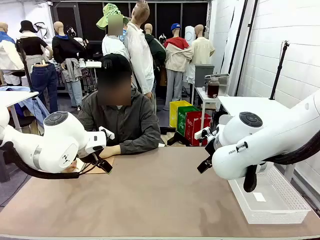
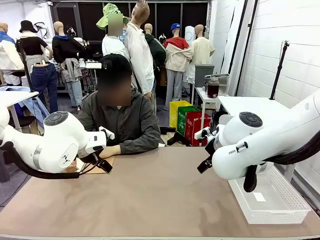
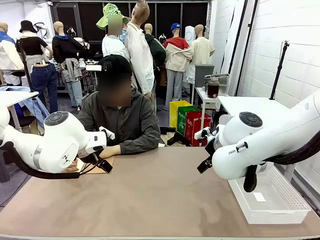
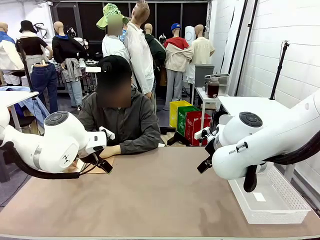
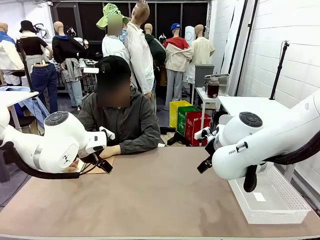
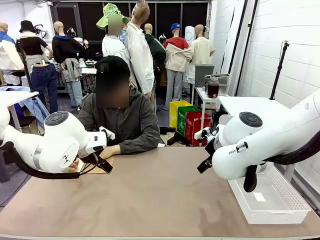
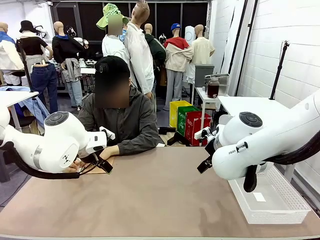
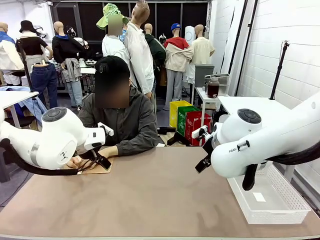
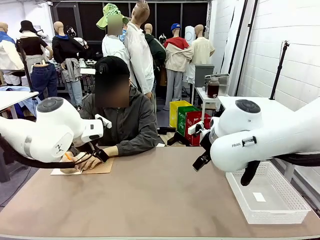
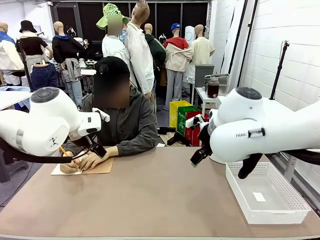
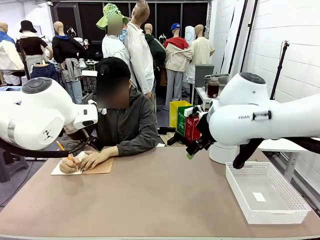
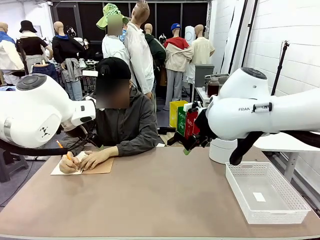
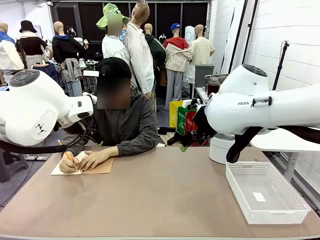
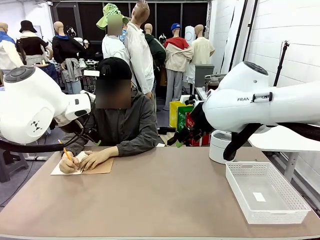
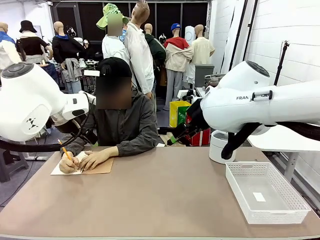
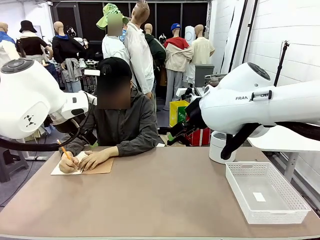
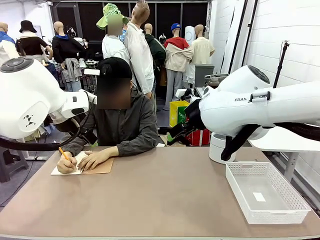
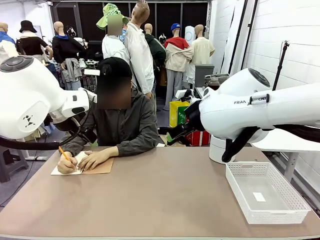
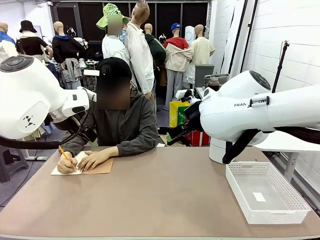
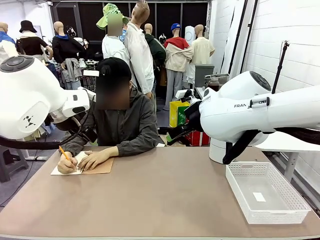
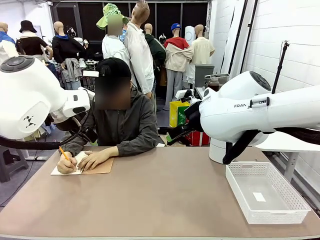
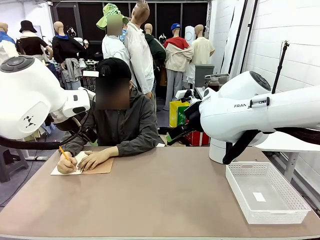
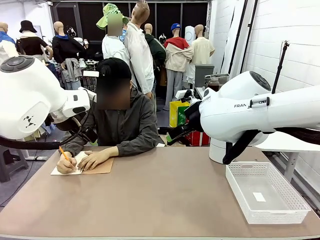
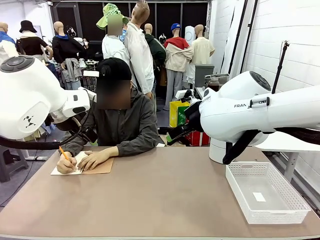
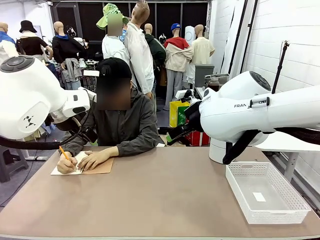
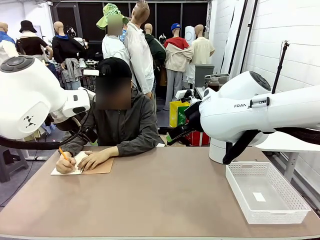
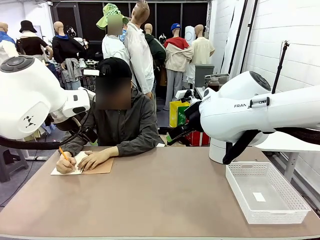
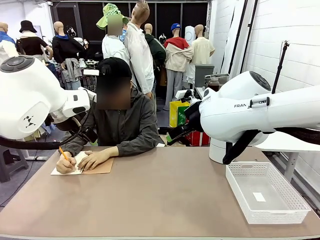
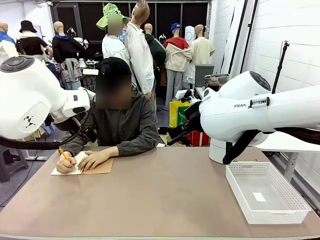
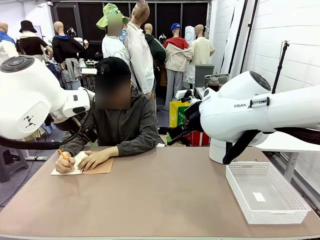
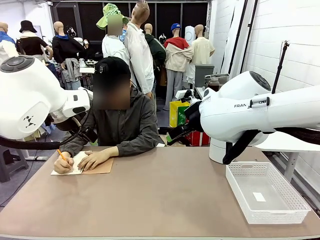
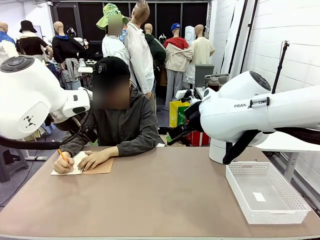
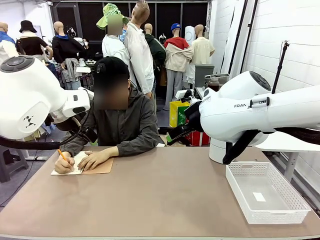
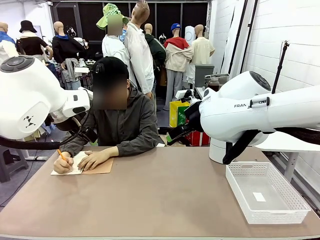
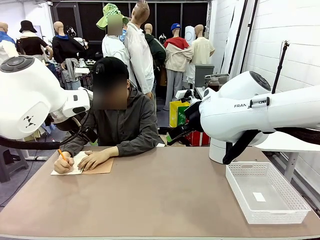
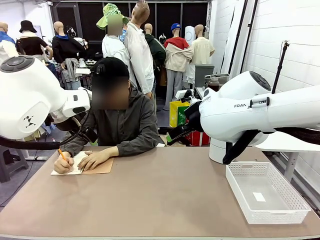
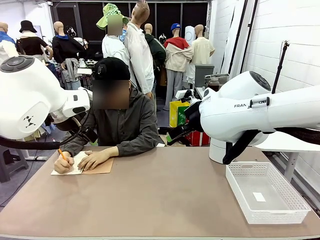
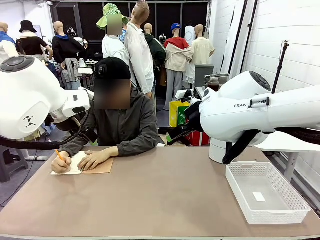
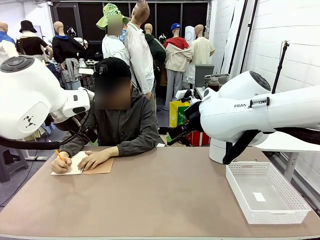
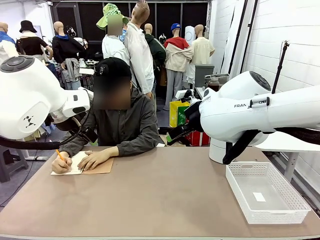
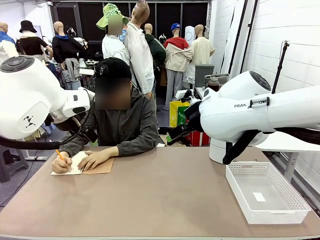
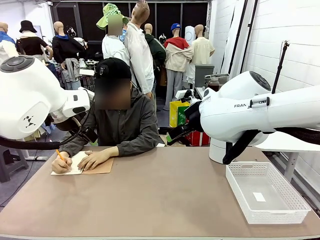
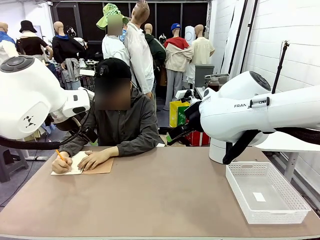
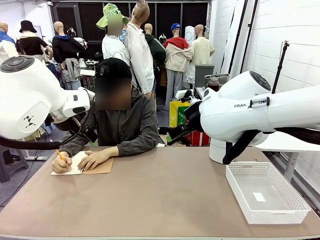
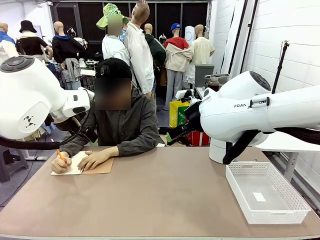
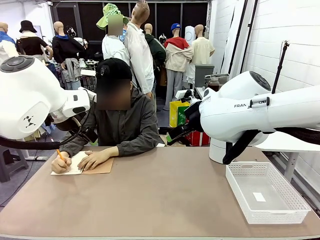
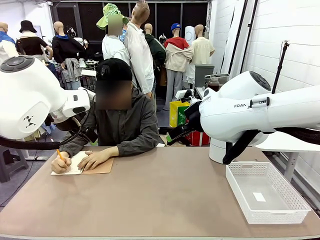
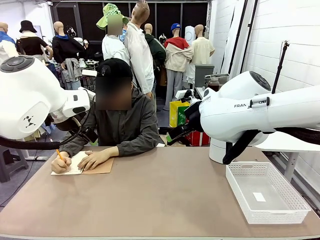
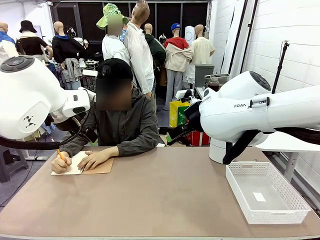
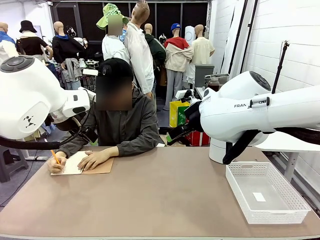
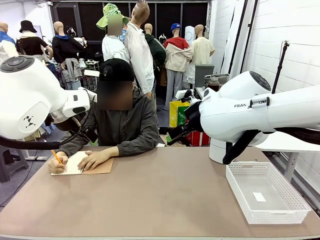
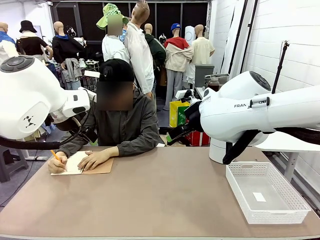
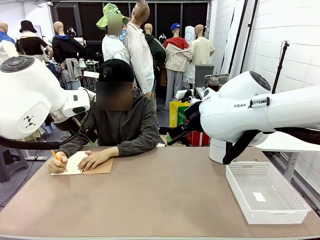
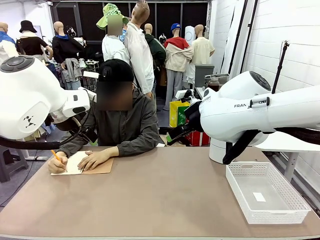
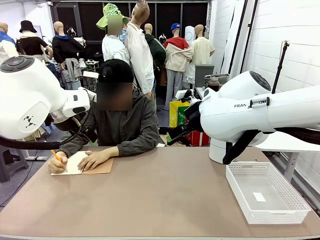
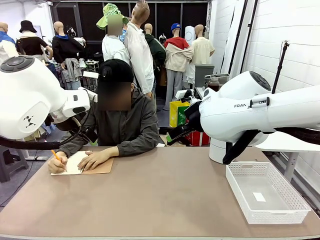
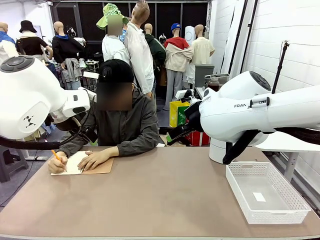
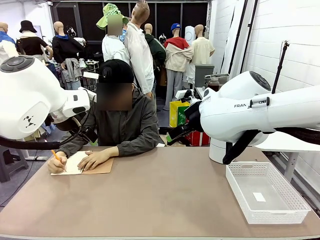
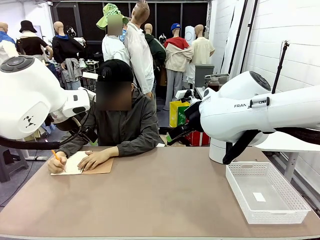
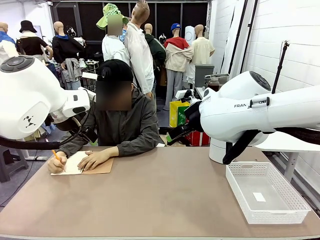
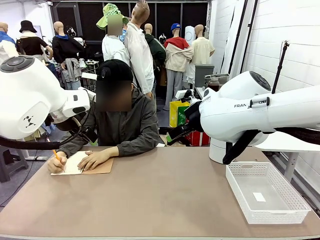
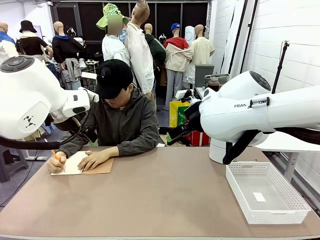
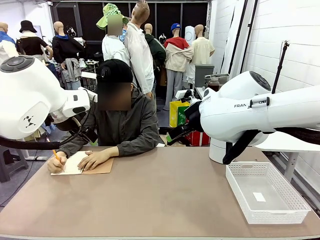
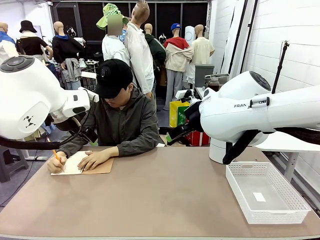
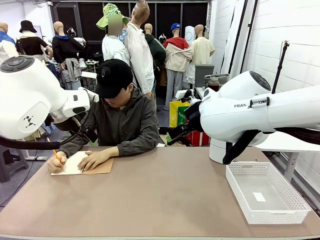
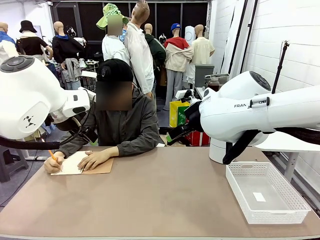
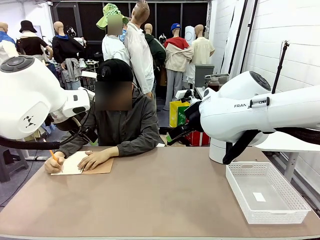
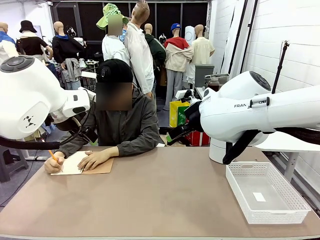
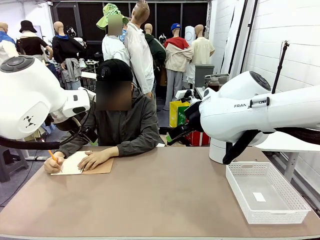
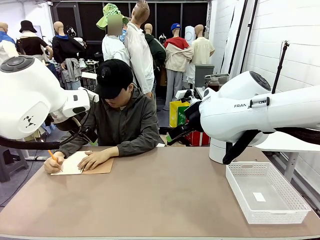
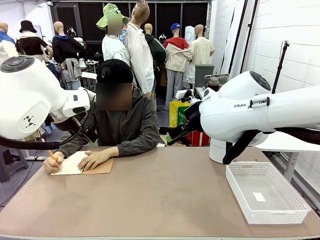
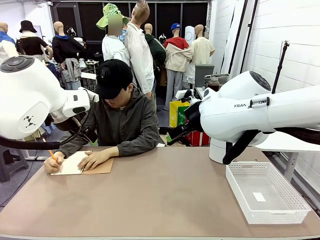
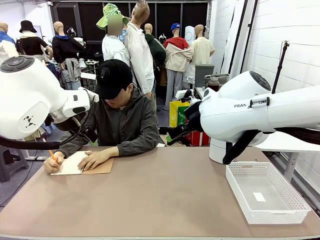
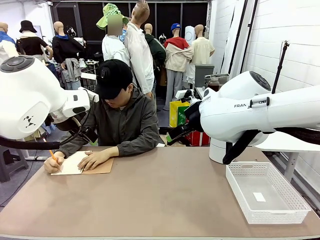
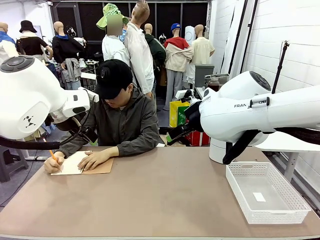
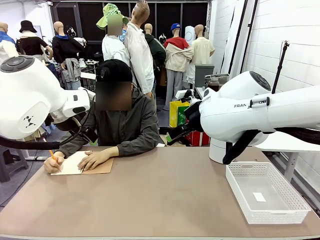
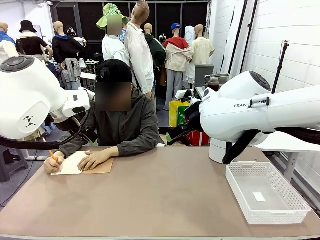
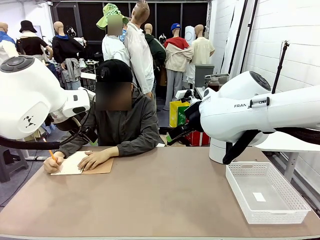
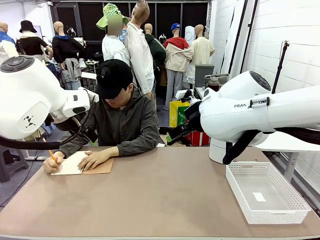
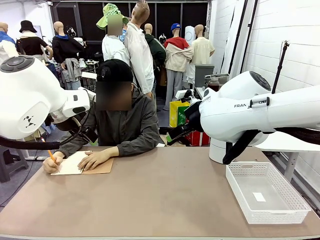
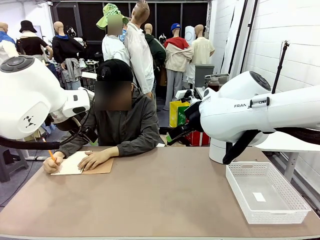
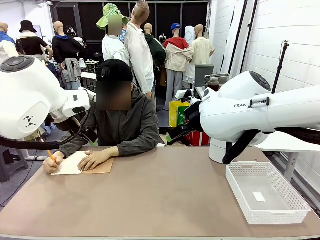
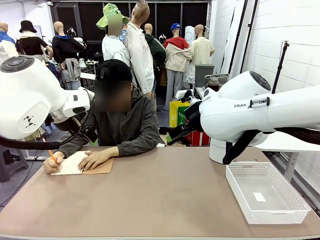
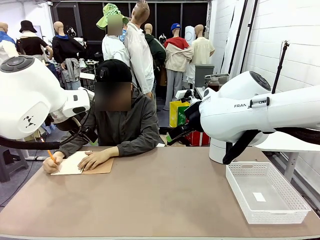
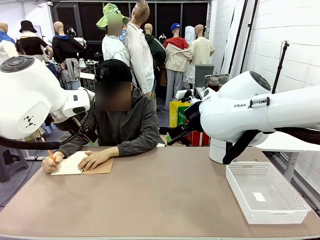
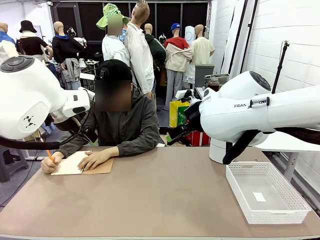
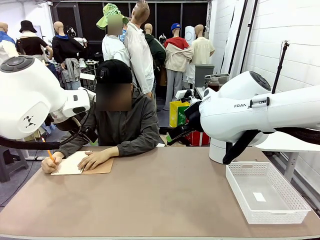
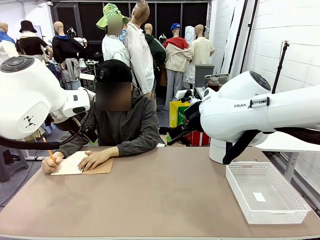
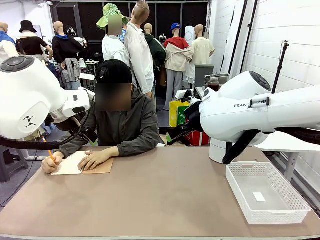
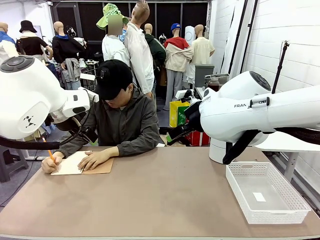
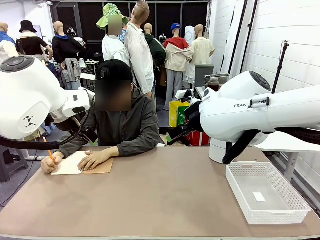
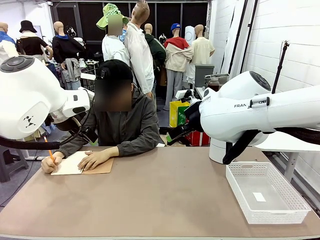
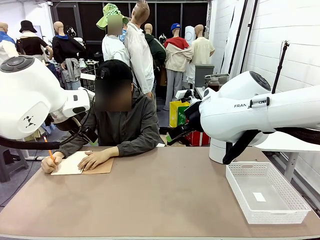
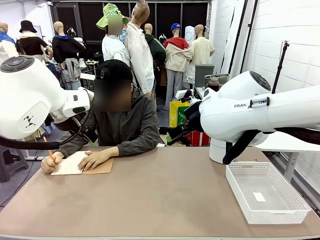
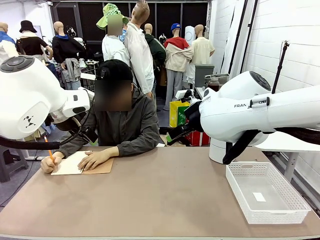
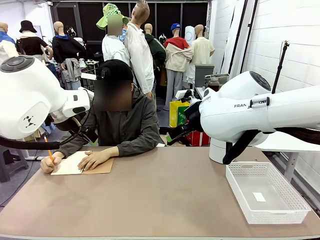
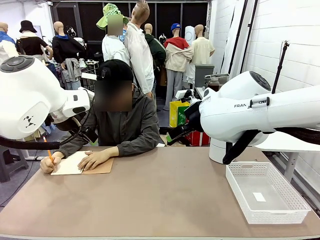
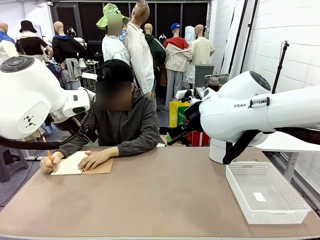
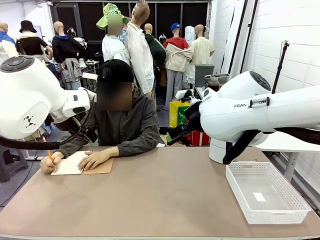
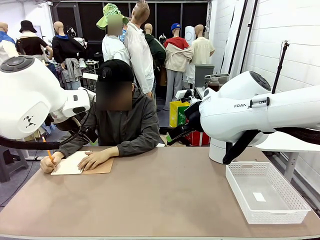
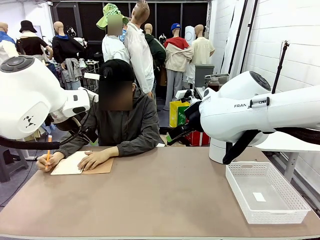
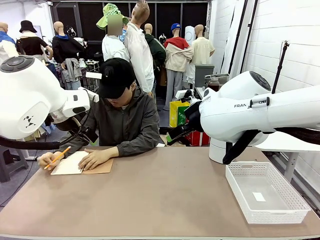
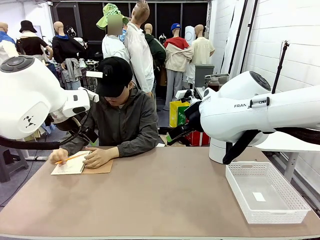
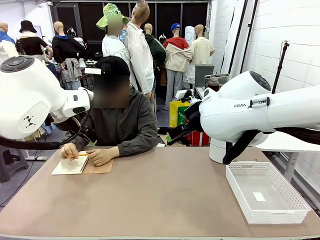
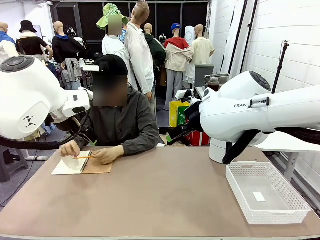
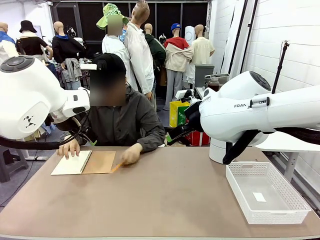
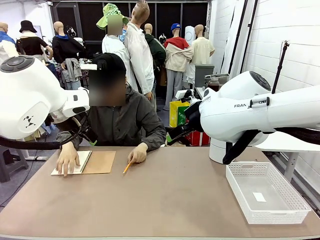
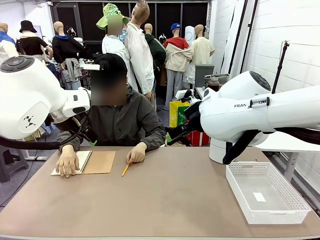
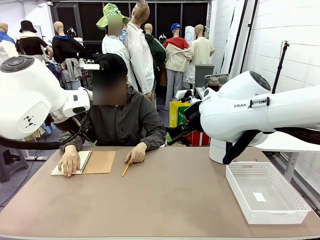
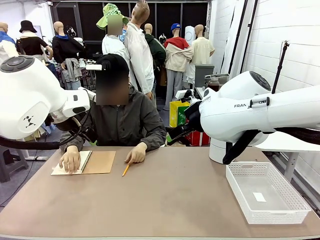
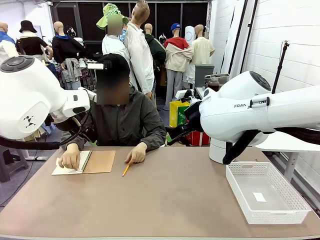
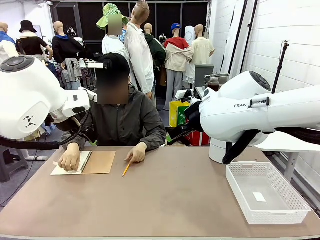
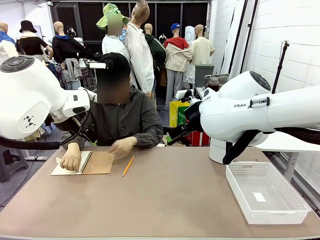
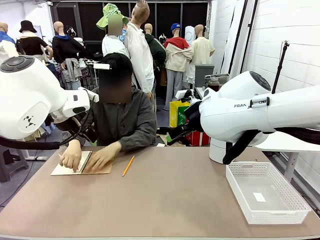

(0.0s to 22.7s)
Task: Sort the paper based on its condition.
Robot: If a person hands you a paper, place it in the Organizing basket , and if it's crumpled, put it in the Trash can.
Person: Tear out a page from the spiral notebook.
